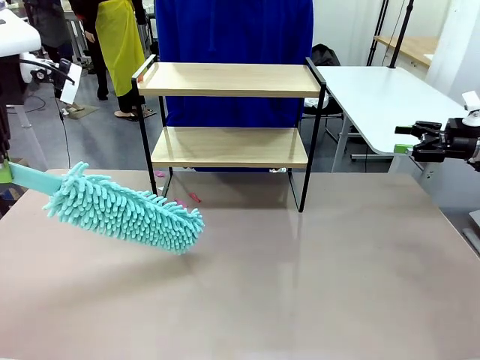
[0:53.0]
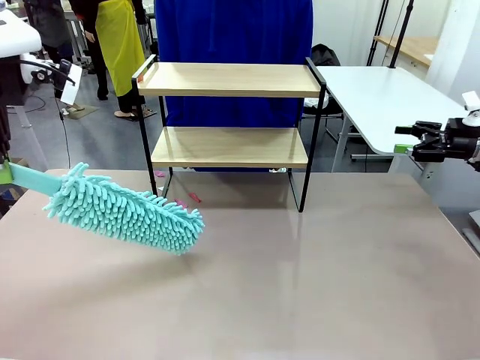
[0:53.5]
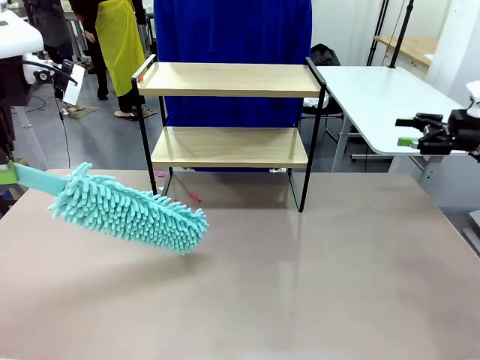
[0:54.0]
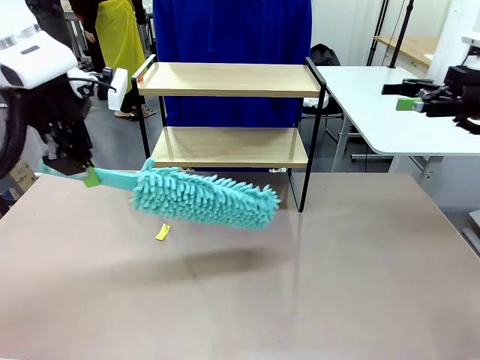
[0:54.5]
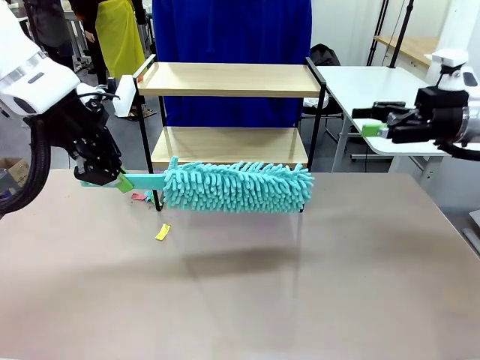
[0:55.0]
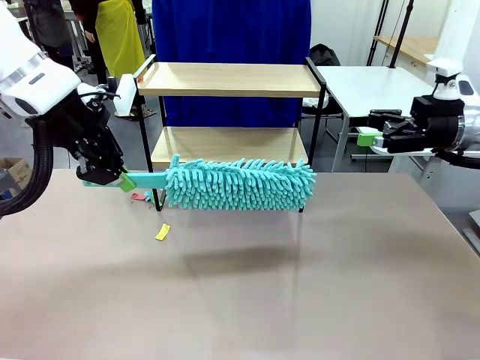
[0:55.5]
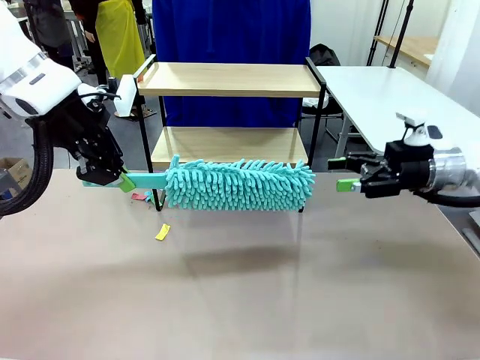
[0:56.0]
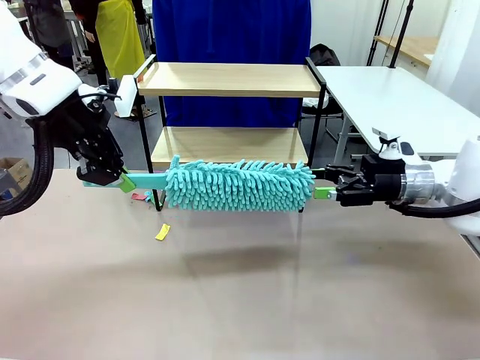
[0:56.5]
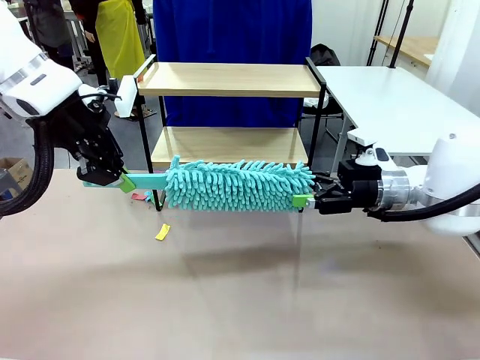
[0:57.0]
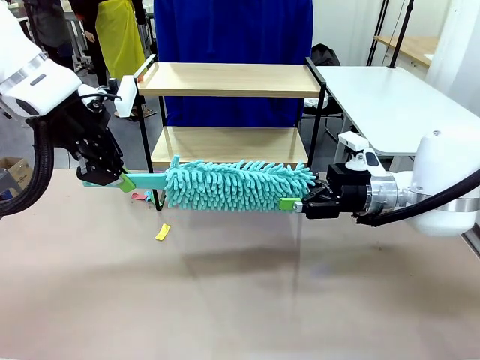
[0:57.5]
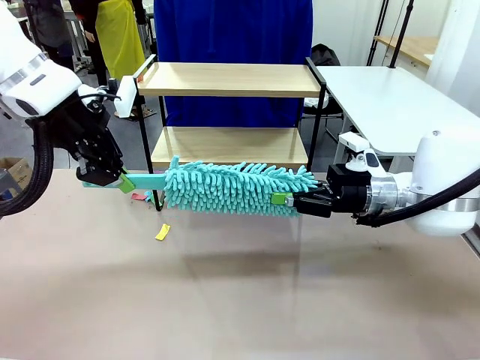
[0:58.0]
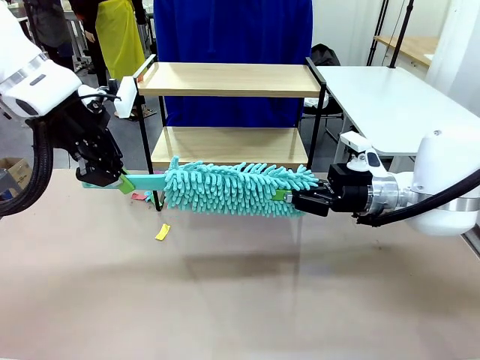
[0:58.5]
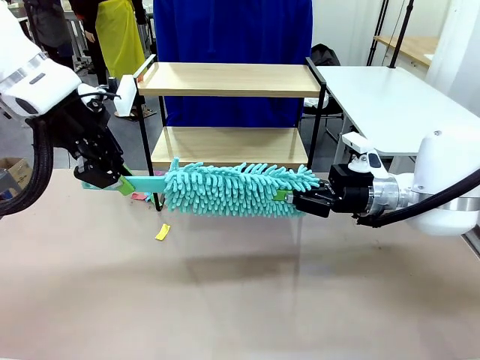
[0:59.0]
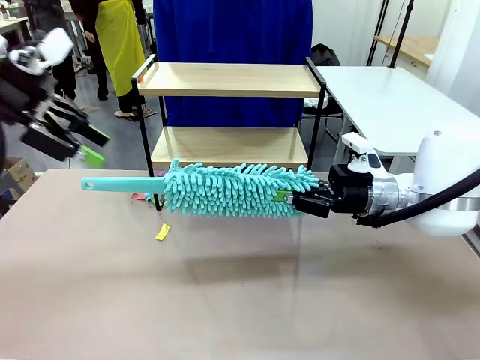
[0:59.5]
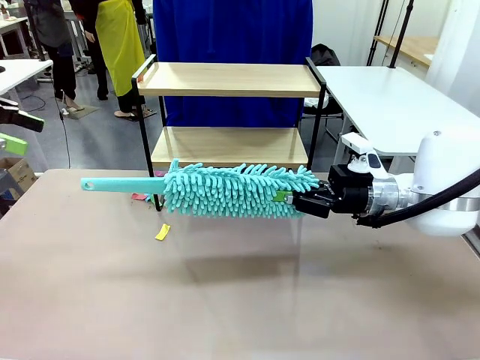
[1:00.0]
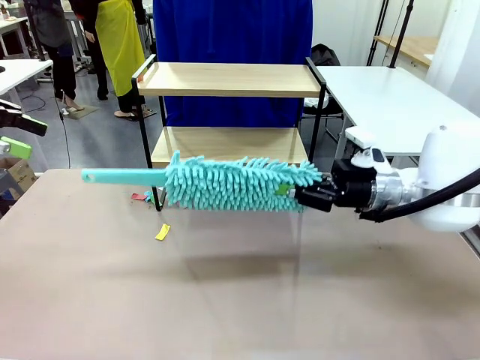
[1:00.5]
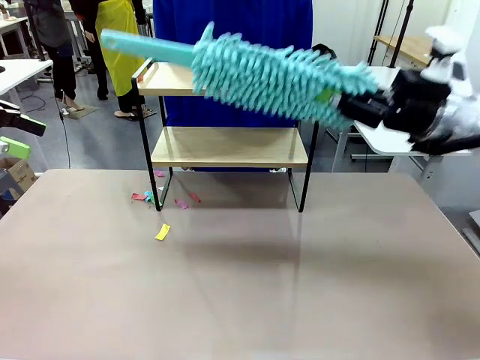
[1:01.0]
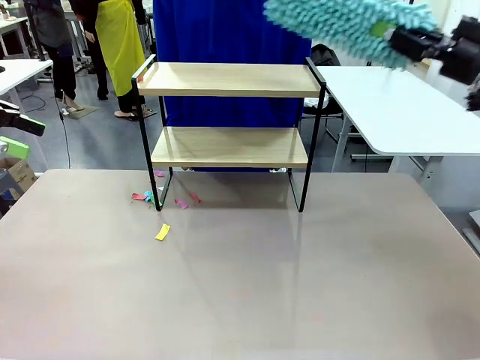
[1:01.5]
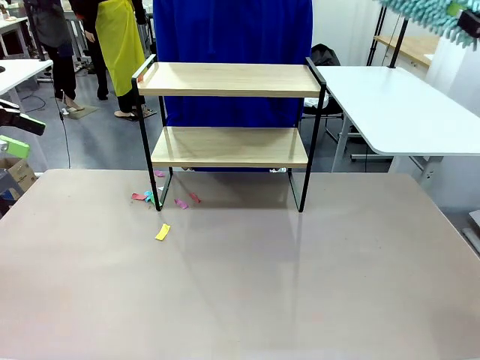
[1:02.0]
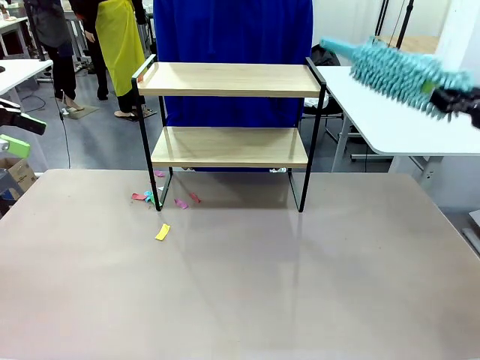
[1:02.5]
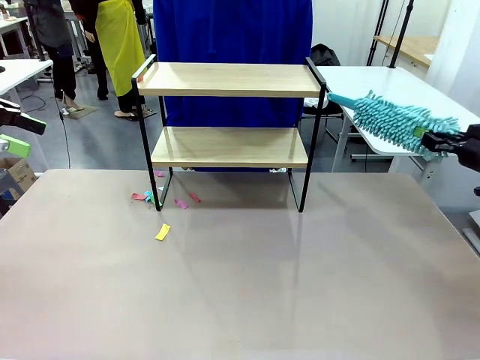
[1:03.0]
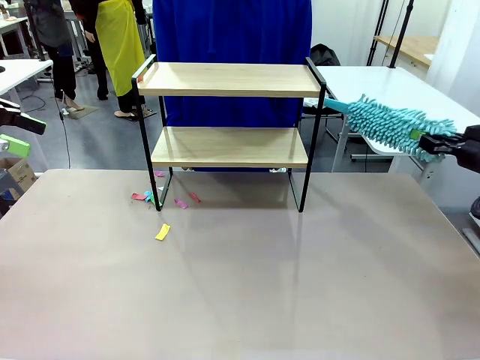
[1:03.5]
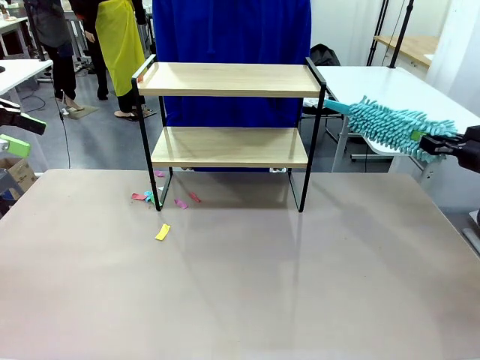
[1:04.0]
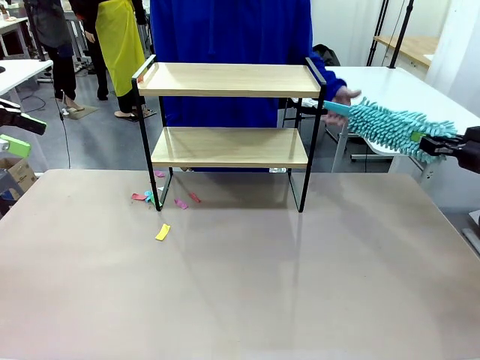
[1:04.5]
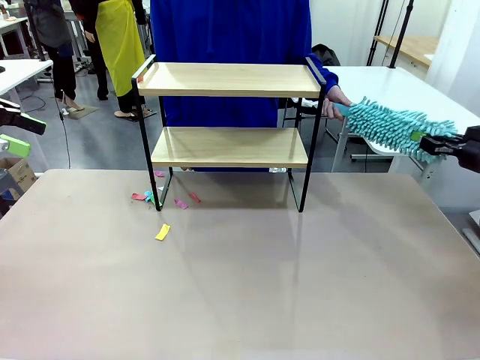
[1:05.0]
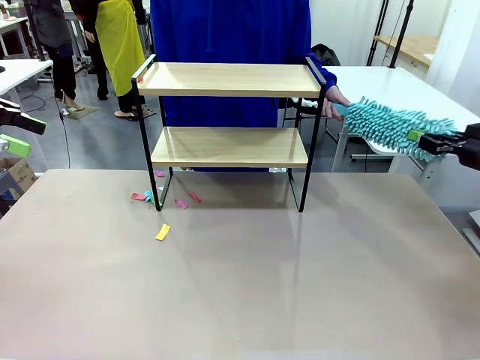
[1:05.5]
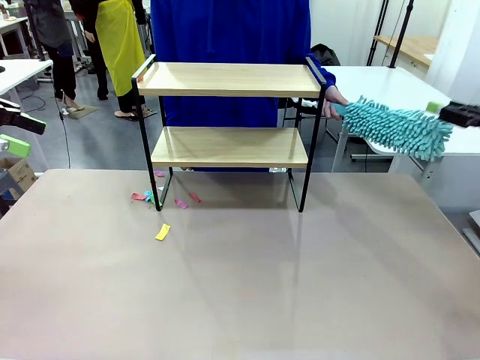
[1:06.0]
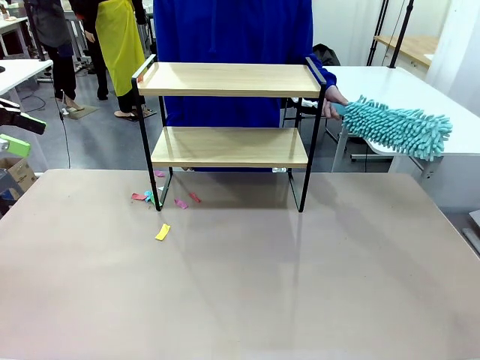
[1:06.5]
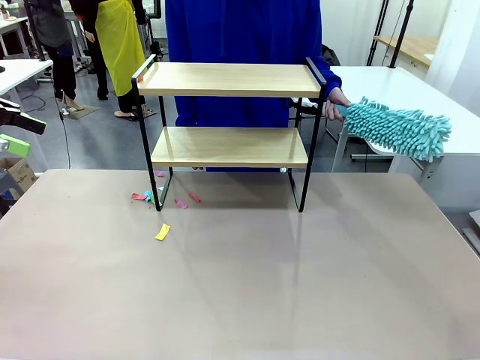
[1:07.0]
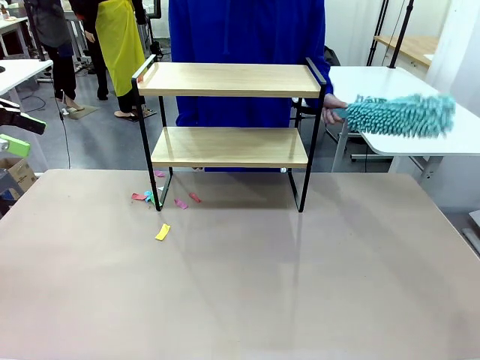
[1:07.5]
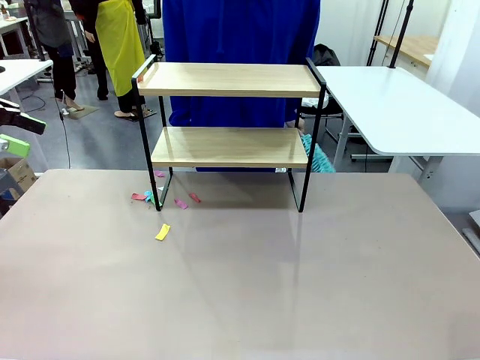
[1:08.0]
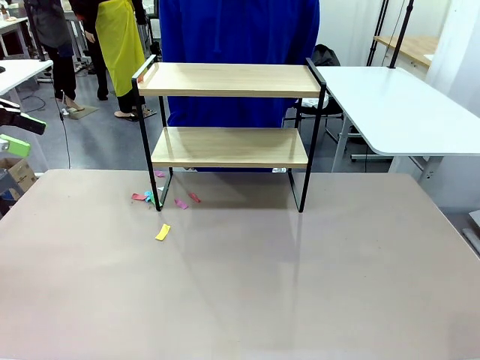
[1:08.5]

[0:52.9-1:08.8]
Task: Clean the shelf.
Robot: Hand the Duster back to the human.
Person: Receive the Duster from the robot.
